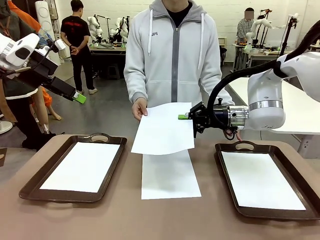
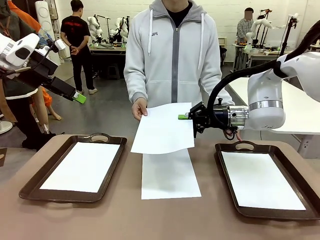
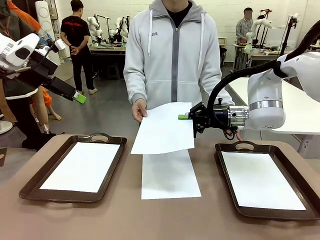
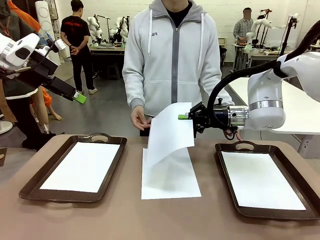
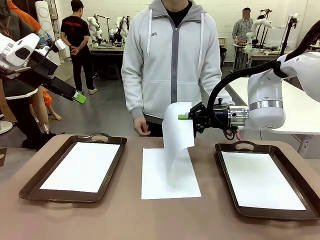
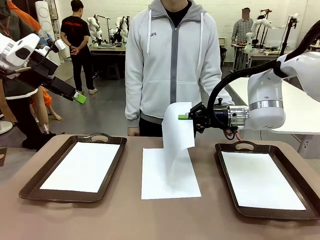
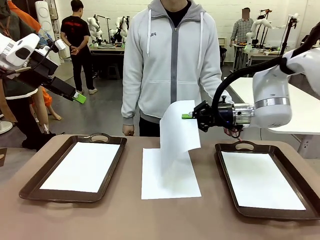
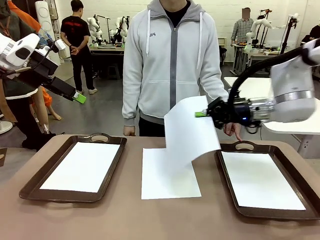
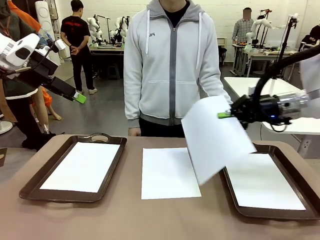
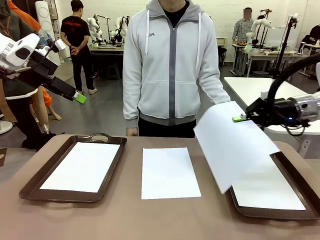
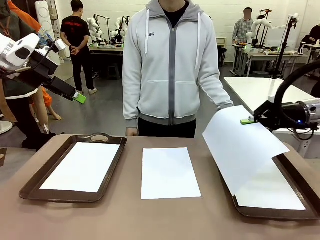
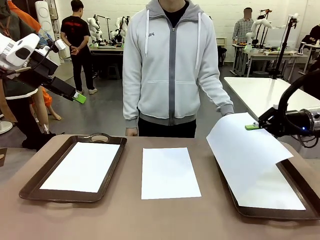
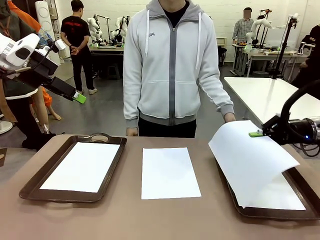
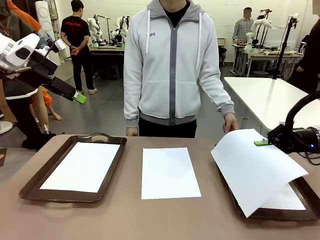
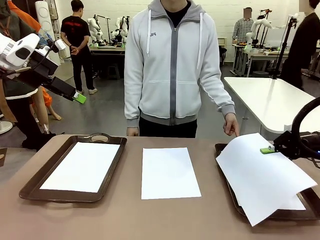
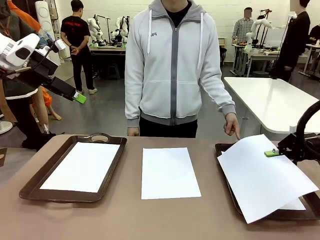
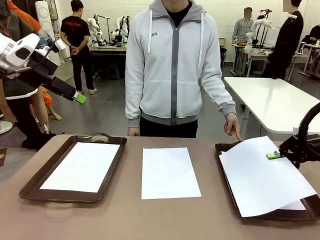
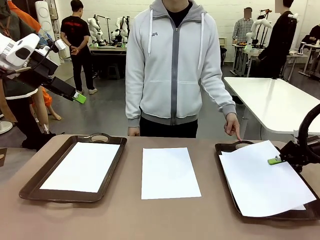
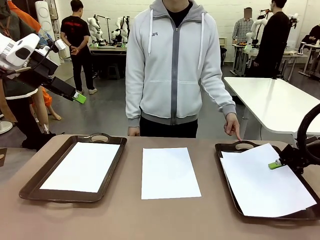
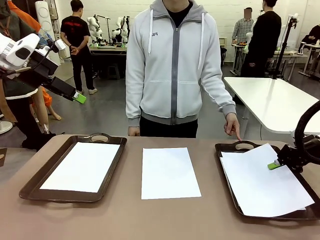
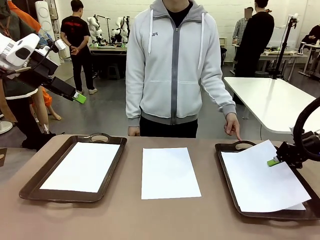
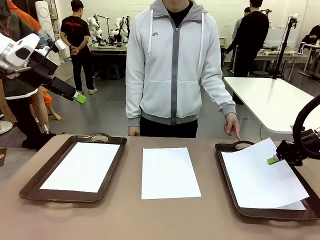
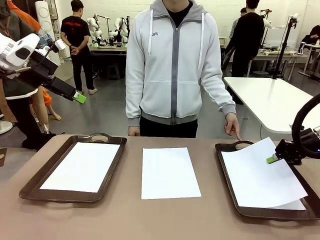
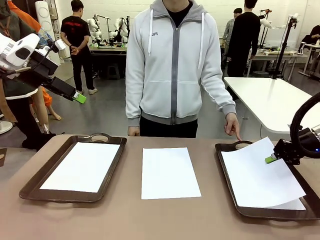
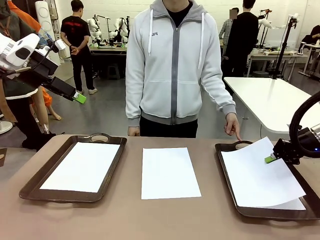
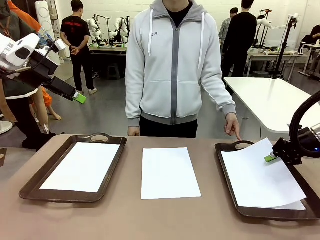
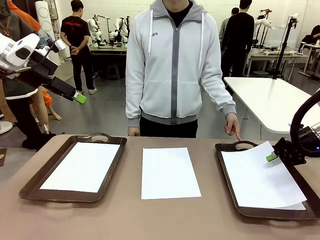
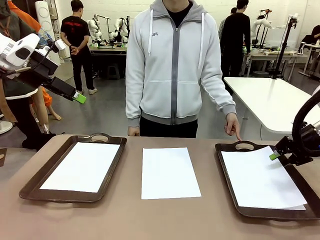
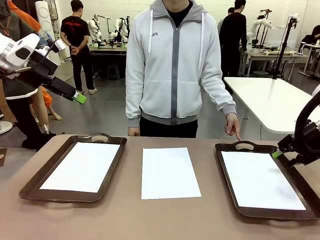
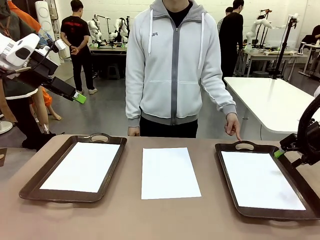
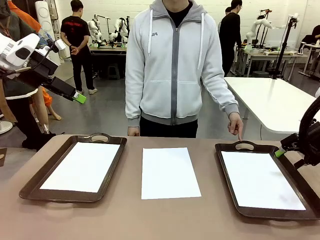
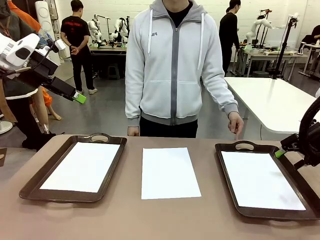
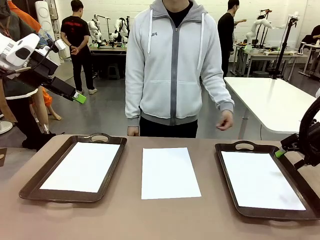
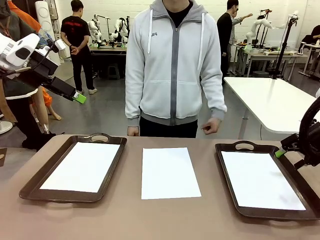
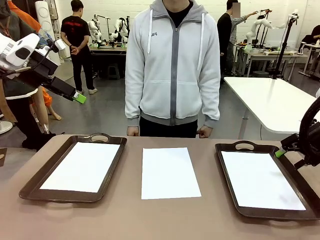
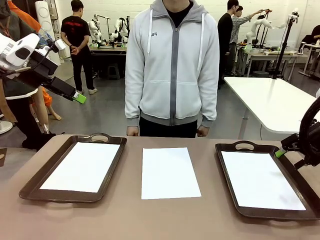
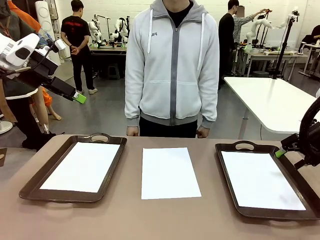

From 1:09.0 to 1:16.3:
Task: Sort the A4 documents.
Robot: Place the A4 Paper in the designated Handle tray.

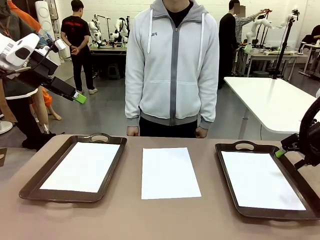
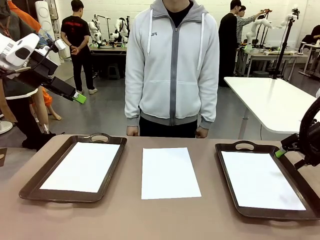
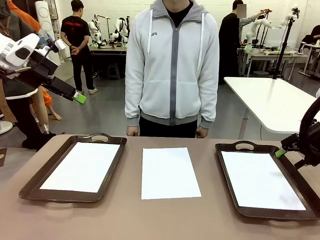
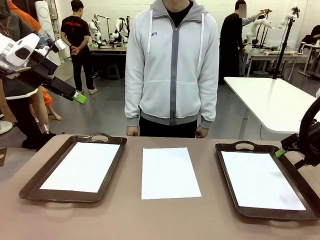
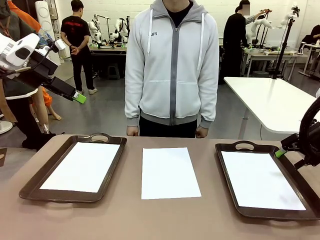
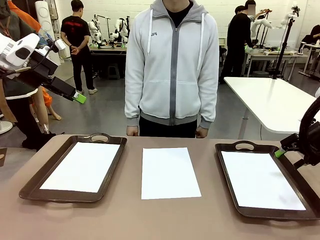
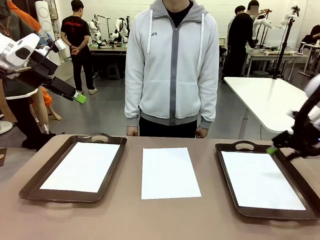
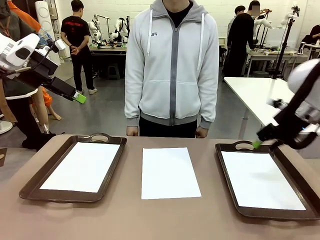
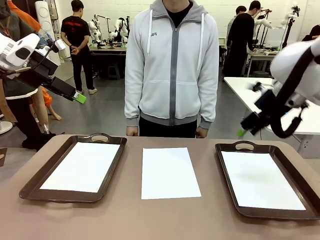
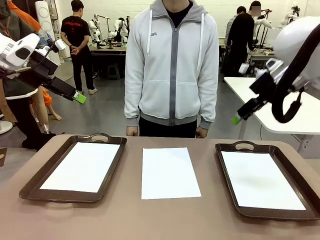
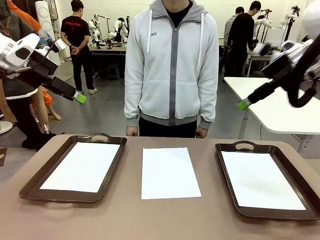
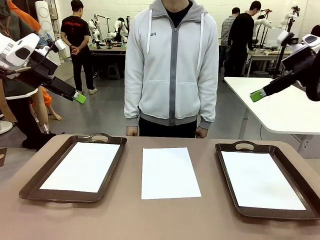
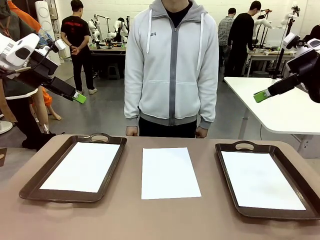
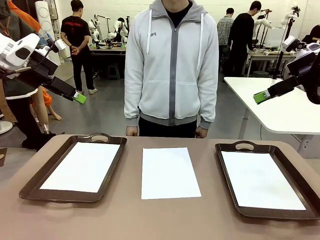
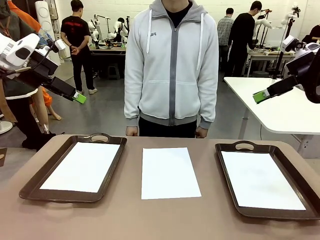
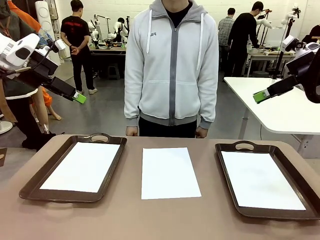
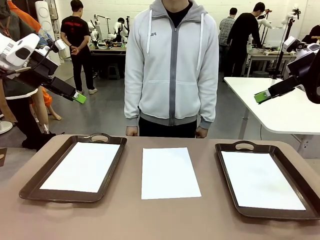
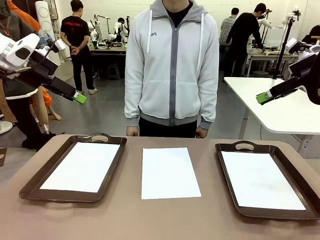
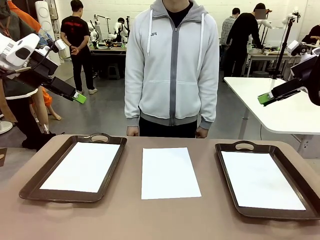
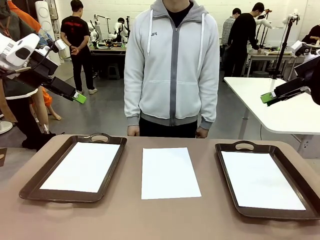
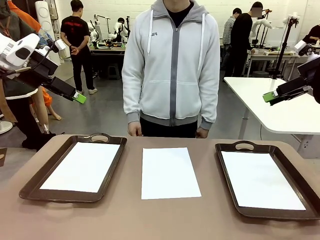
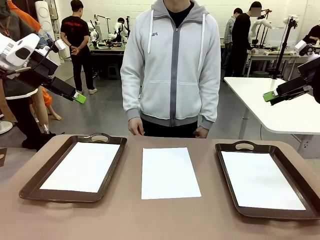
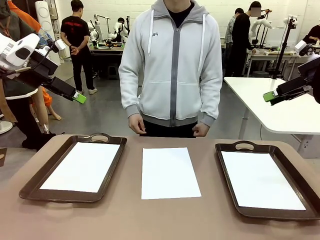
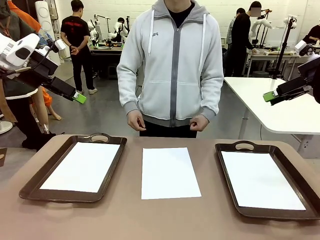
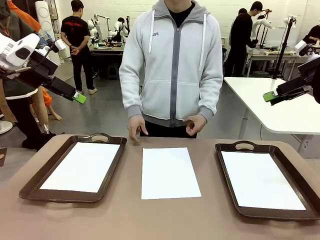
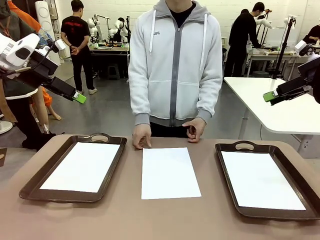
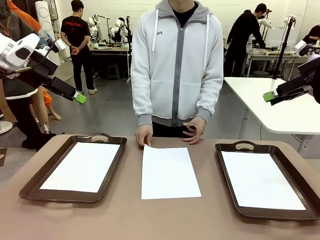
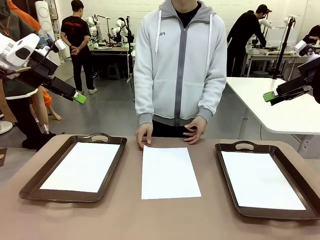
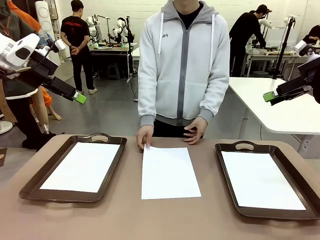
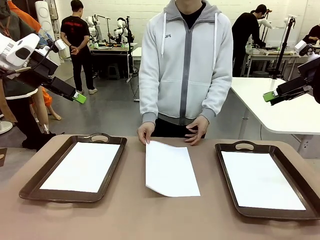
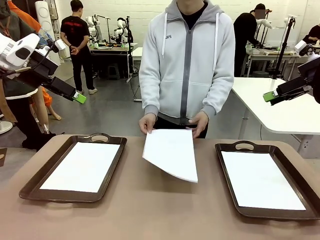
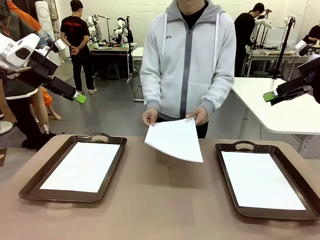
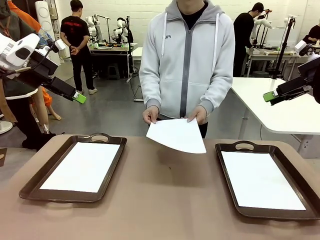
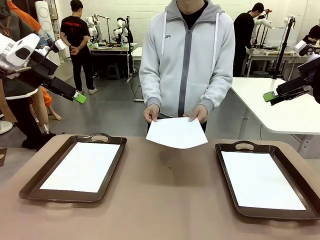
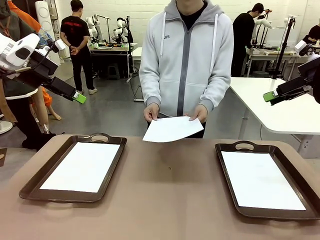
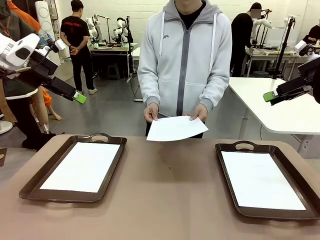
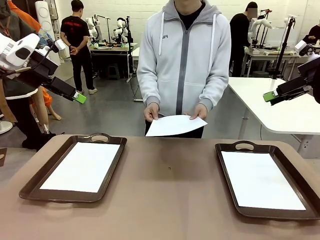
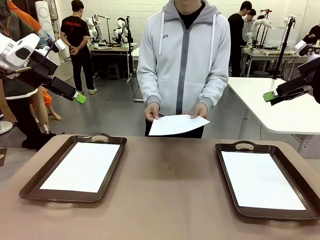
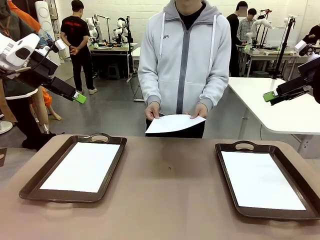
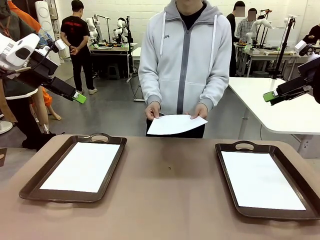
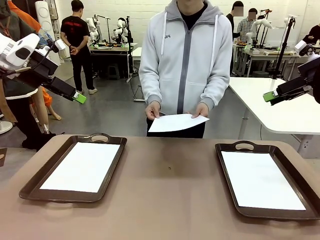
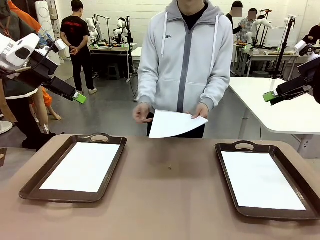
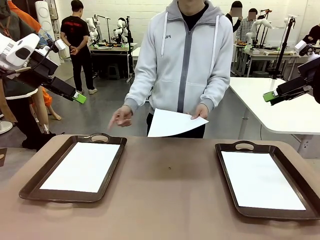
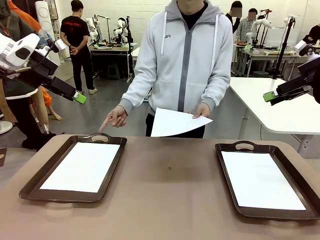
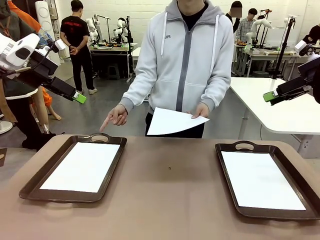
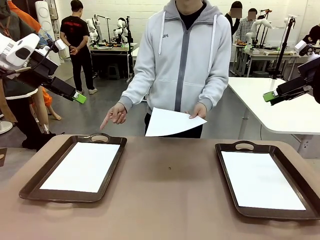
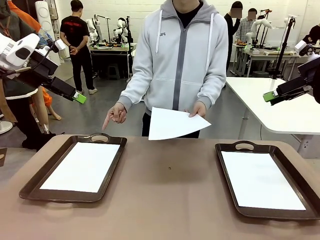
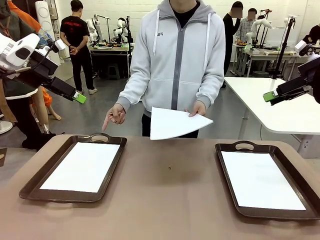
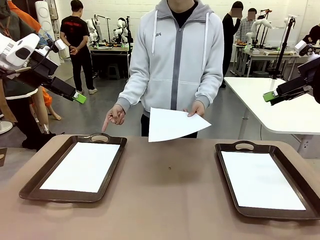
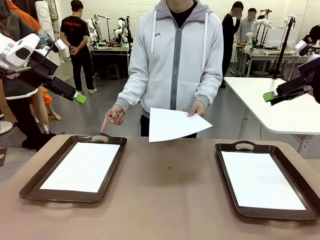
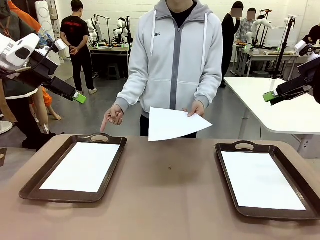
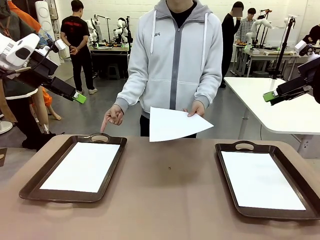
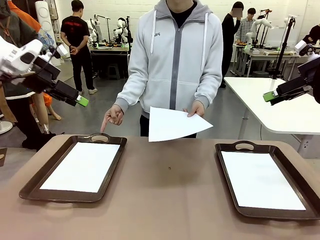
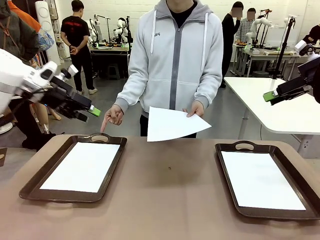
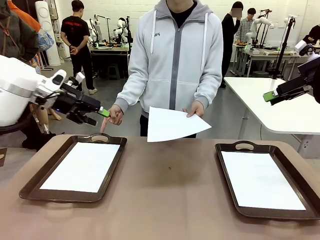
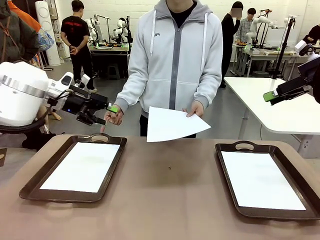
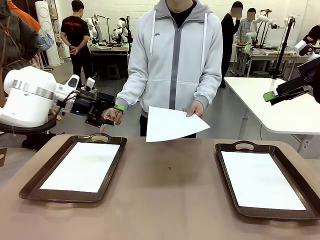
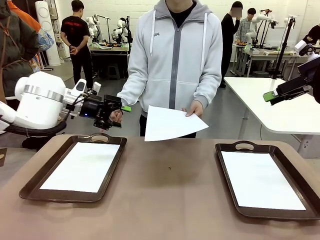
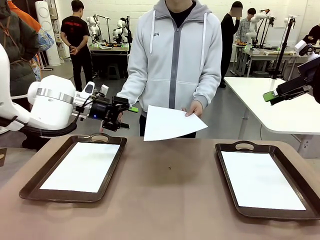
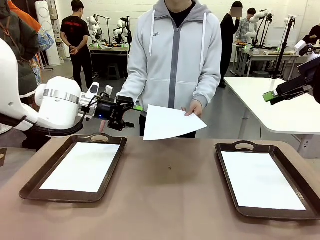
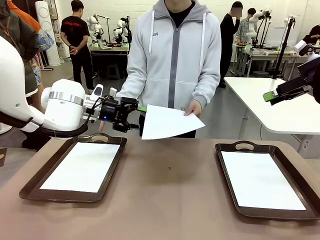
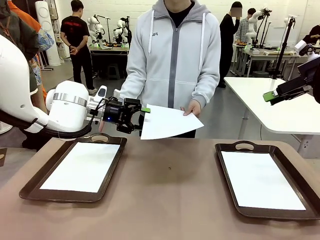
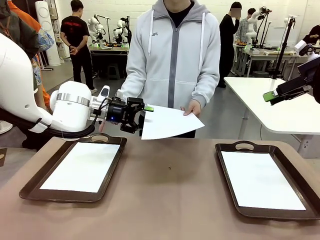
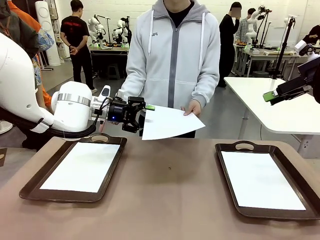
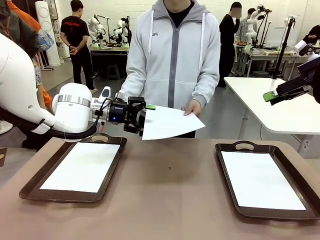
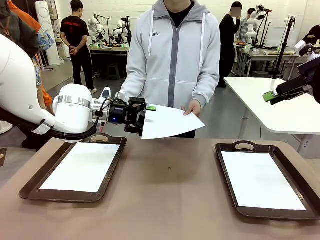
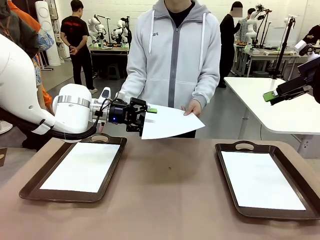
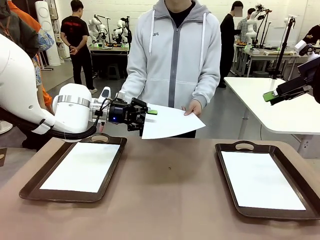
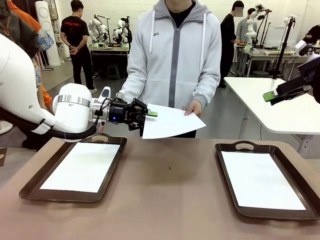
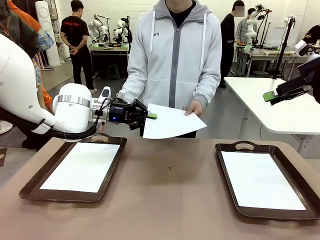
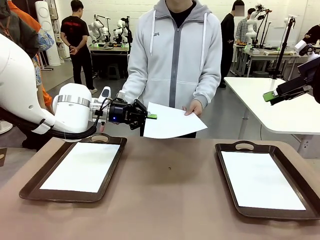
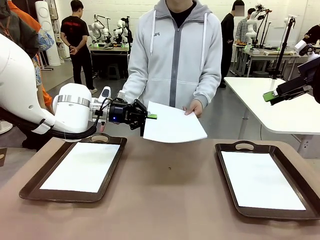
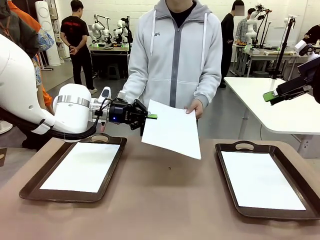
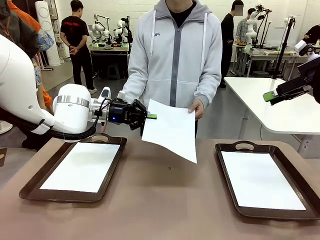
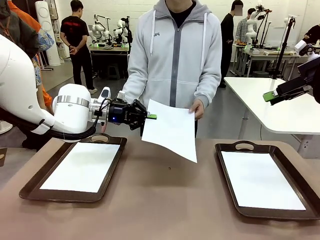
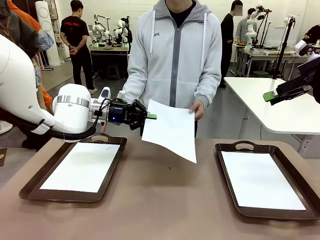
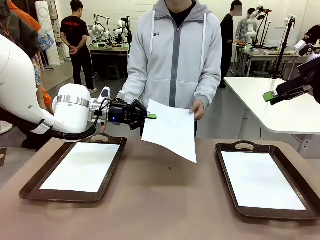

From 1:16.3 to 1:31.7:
Robot: Receive the A4 Paper.
Person: Point the randomly selected tray with the other hand.
